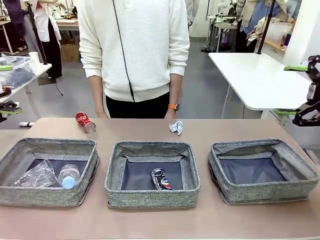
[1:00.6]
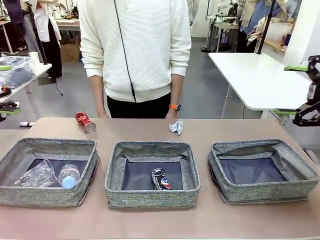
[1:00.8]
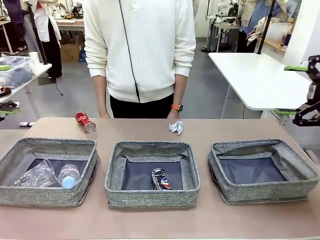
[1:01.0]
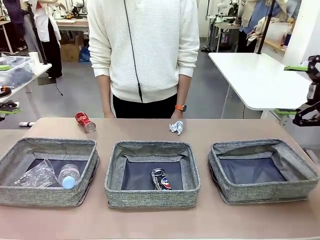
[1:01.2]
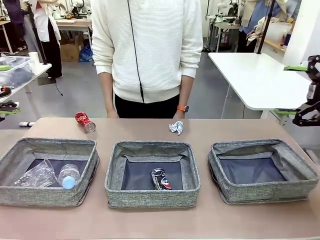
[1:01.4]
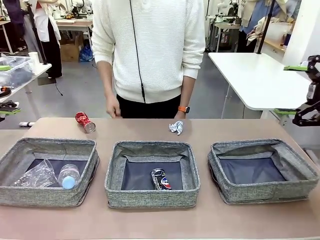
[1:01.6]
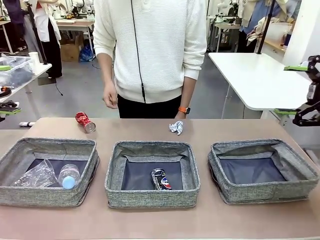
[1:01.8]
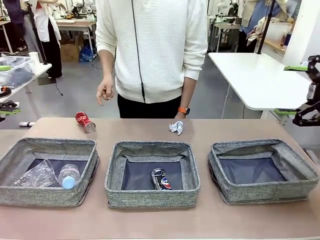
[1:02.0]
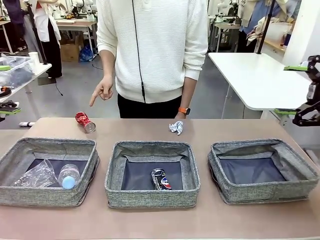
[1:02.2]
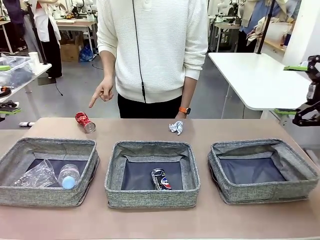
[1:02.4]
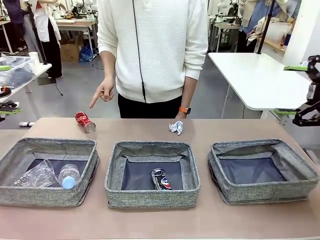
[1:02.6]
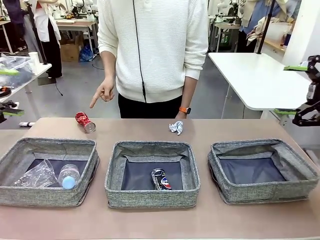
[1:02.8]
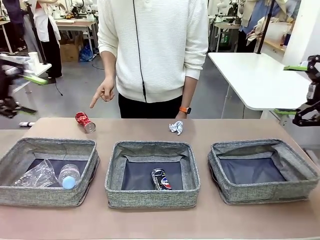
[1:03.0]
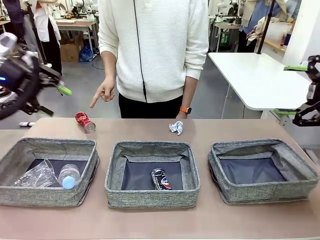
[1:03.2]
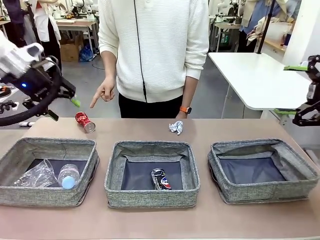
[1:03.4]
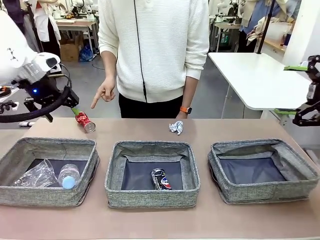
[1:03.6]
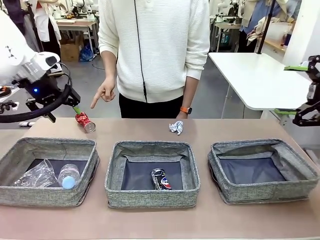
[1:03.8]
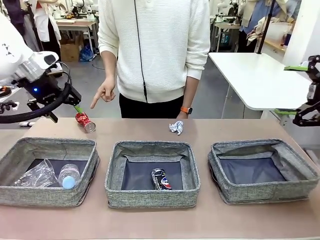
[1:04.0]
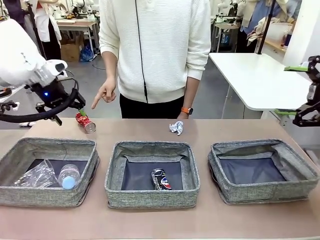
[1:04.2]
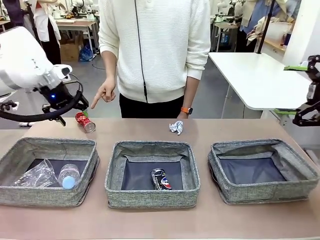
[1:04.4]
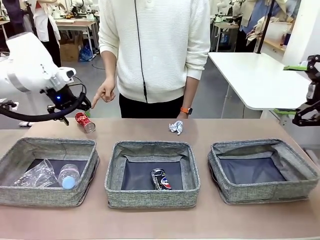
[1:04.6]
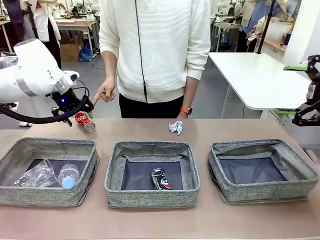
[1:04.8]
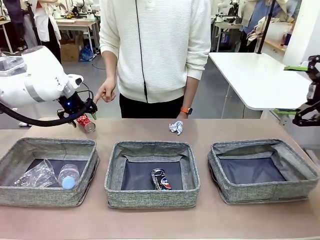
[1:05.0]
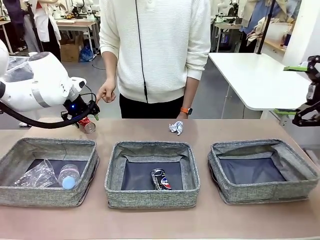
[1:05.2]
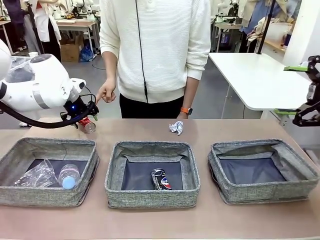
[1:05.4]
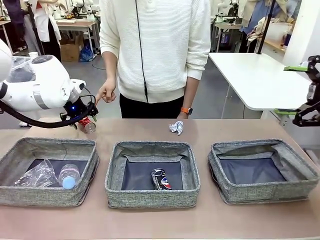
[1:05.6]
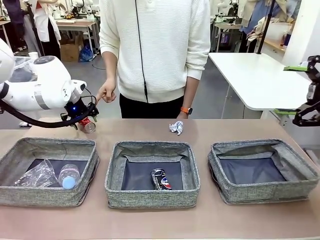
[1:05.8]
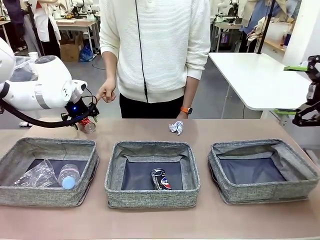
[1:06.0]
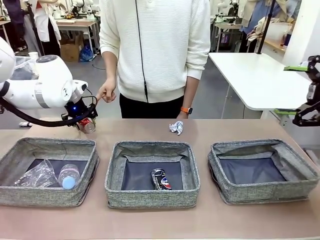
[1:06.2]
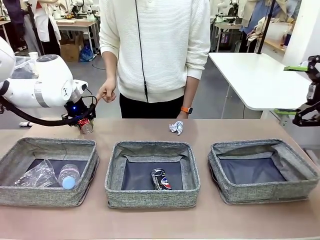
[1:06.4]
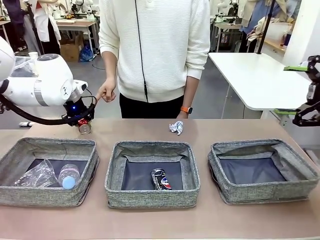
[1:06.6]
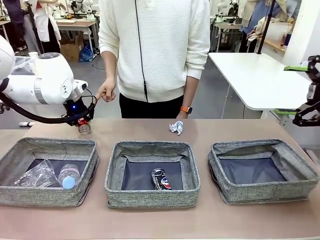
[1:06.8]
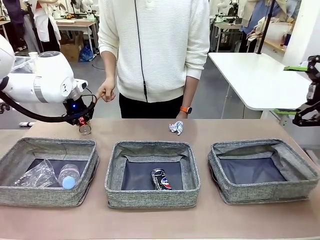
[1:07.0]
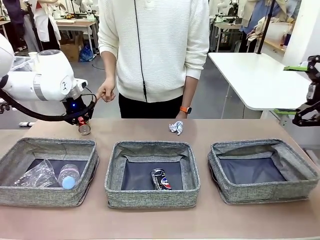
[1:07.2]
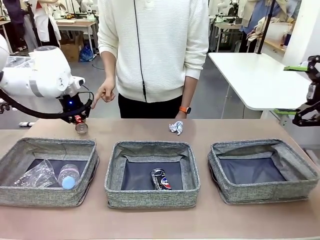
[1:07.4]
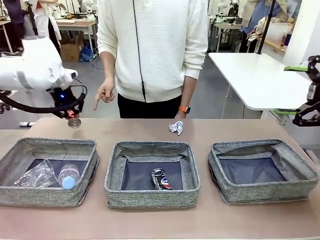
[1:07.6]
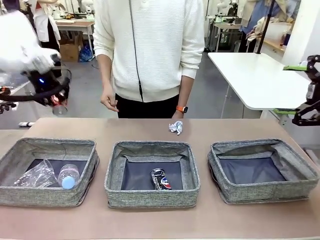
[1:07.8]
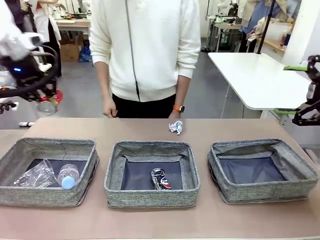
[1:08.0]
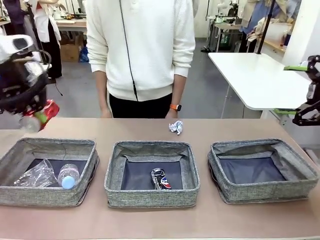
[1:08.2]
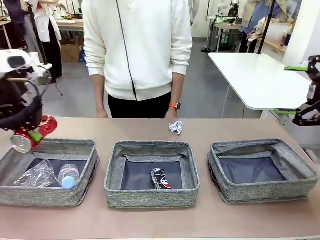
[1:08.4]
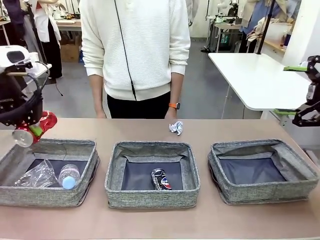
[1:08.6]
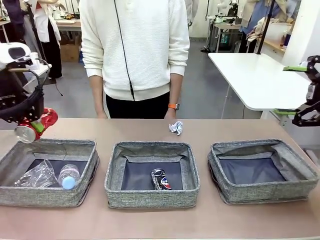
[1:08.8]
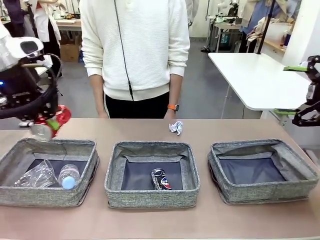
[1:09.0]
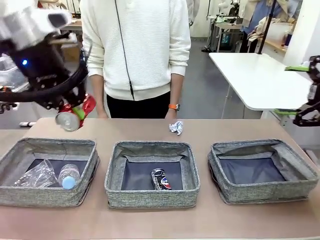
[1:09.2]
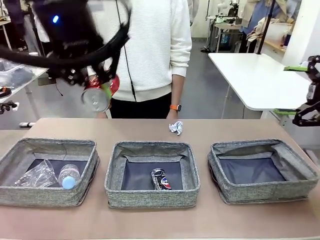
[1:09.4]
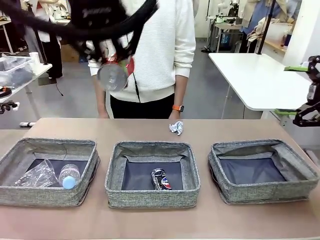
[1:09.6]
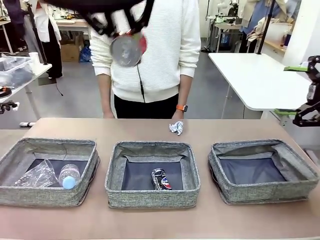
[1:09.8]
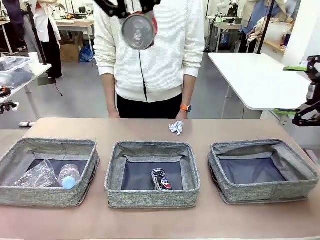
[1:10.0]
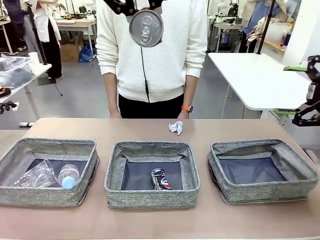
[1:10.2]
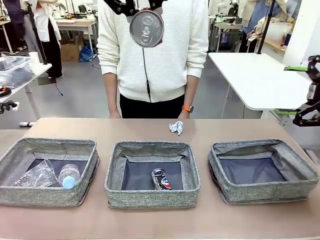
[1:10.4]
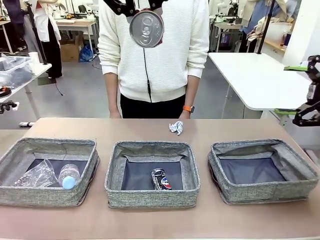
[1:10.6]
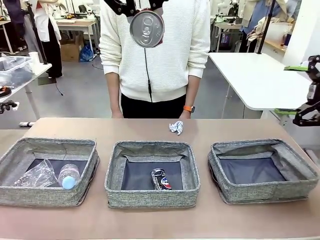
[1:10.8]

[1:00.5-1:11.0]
Task: Sort the waste into the appropriate baskets.
Robot: Pick up the waste item pointed out by the person.
Person: Points to one piece of trash on the table.

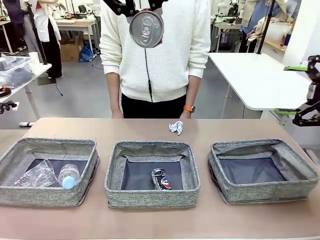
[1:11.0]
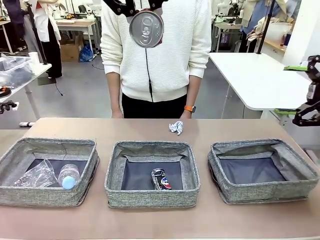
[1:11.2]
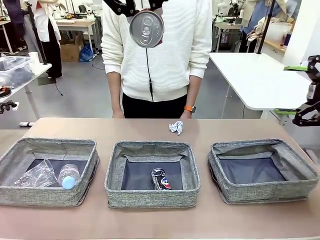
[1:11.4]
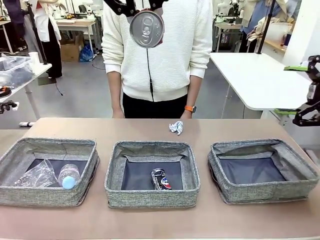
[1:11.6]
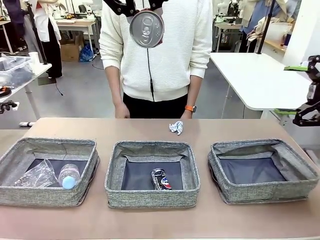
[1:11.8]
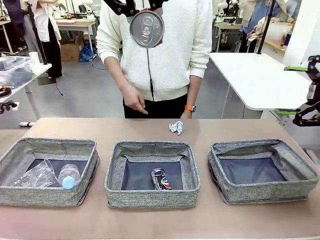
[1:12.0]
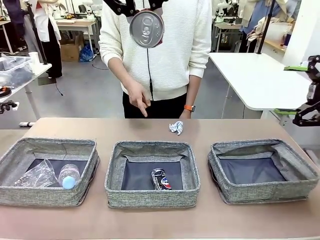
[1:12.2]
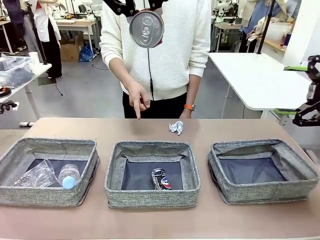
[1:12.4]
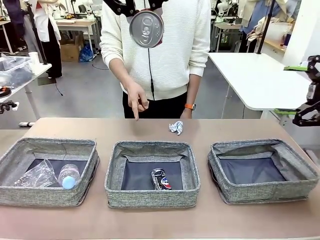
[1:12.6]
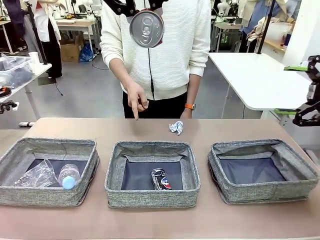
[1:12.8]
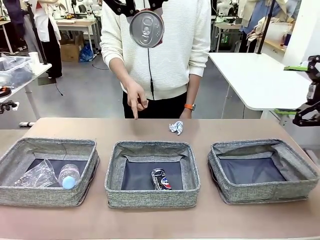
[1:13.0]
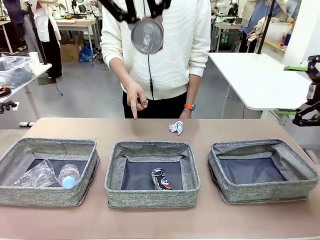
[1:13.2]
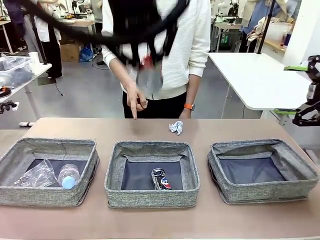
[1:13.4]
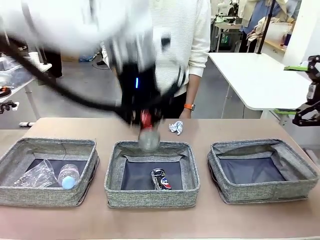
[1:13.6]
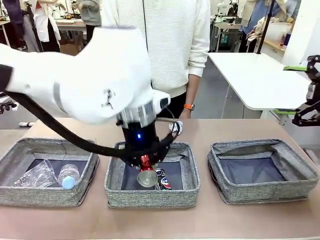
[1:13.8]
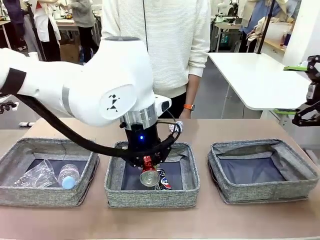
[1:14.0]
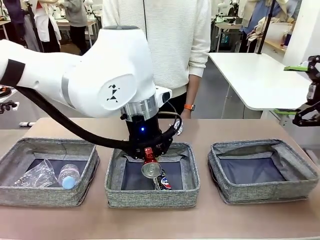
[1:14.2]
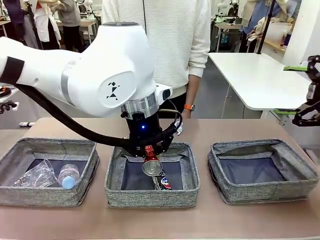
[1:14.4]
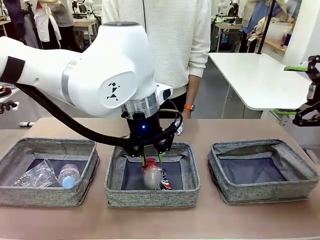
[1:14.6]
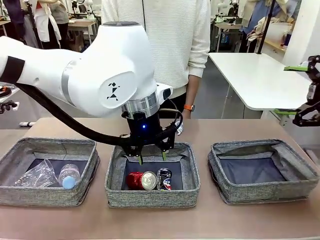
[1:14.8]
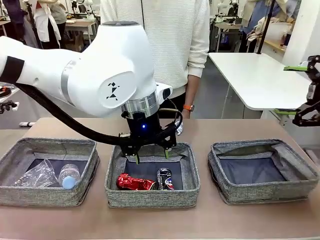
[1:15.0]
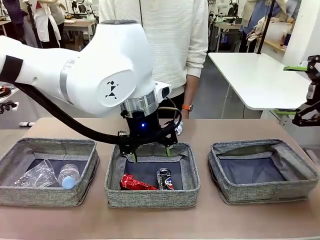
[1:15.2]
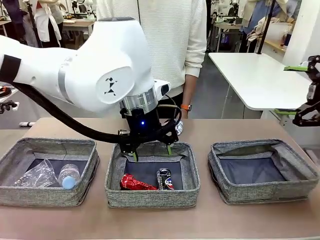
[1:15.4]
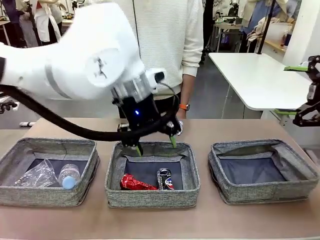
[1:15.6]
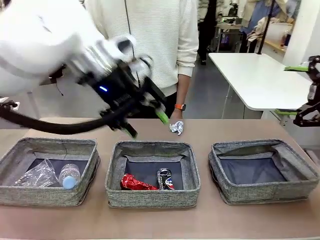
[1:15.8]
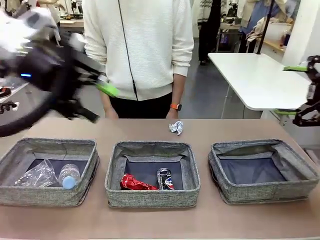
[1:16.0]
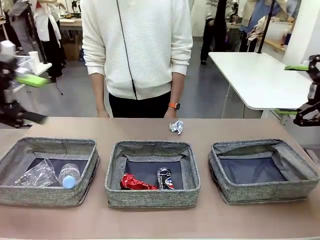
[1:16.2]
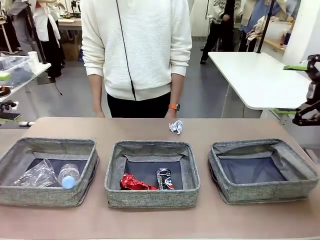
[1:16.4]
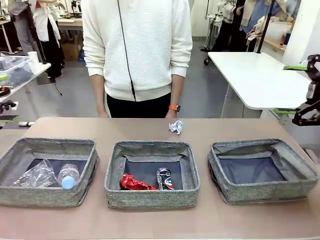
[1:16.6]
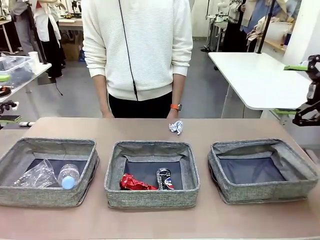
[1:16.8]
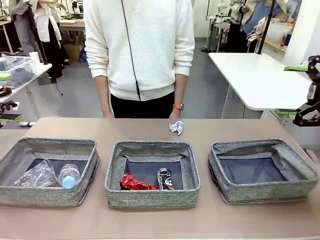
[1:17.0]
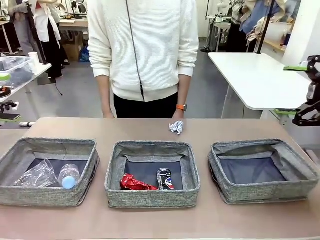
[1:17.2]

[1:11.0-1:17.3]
Robot: Place the picked waste into the Fabric basket indicated by the person.
Person: Instructs the robot to place the picked-up trash into the appropriate organizing basket.
